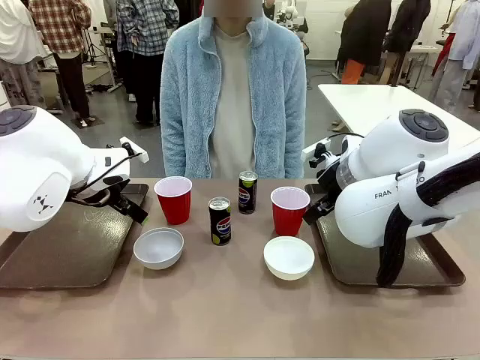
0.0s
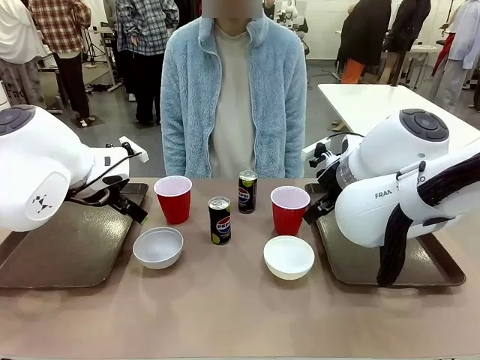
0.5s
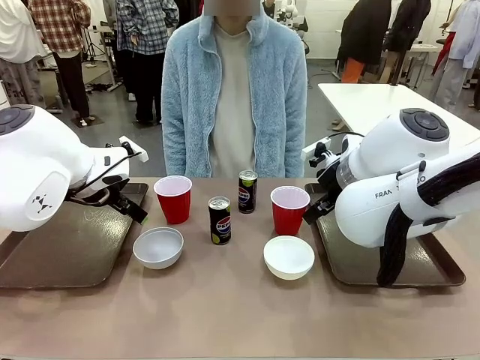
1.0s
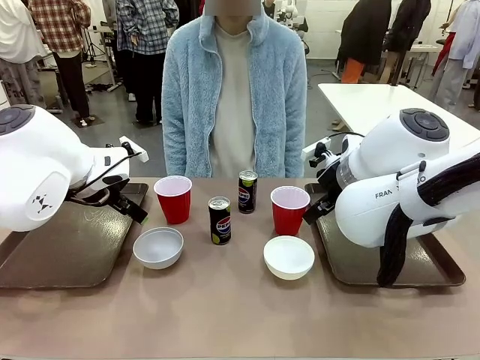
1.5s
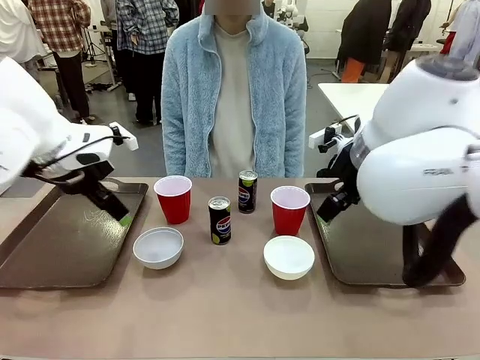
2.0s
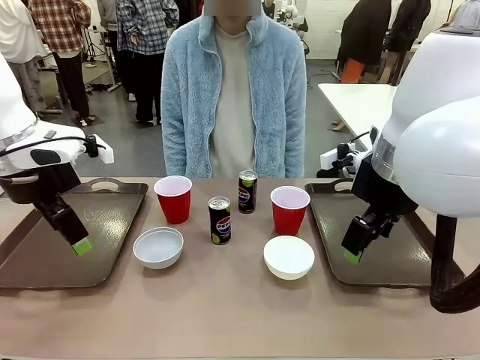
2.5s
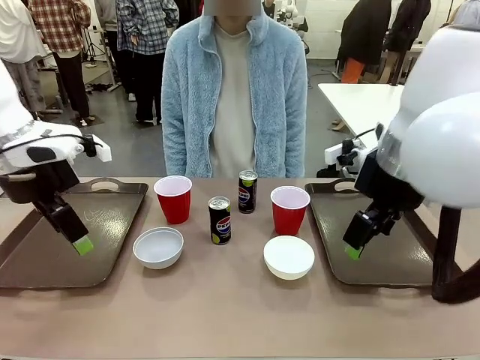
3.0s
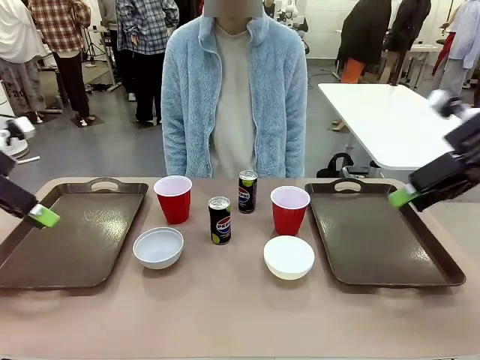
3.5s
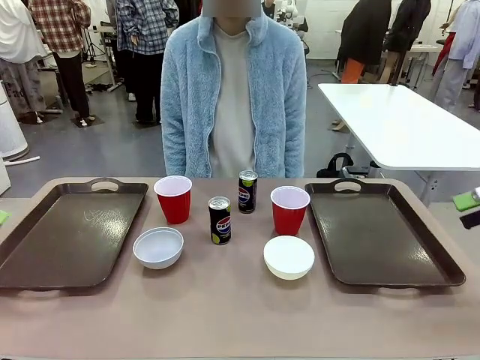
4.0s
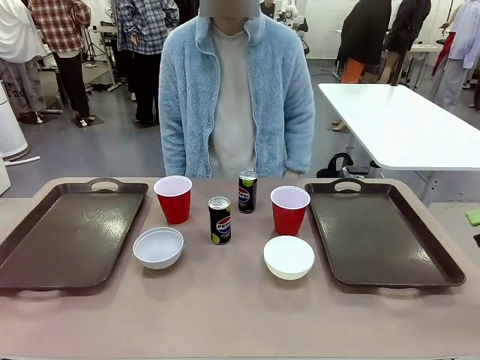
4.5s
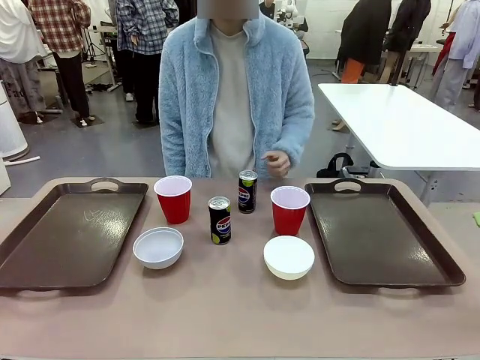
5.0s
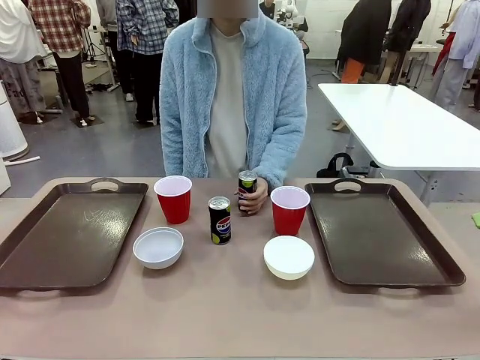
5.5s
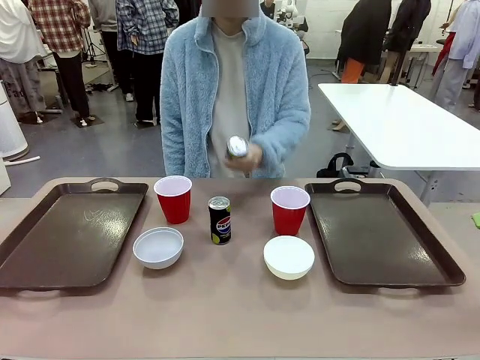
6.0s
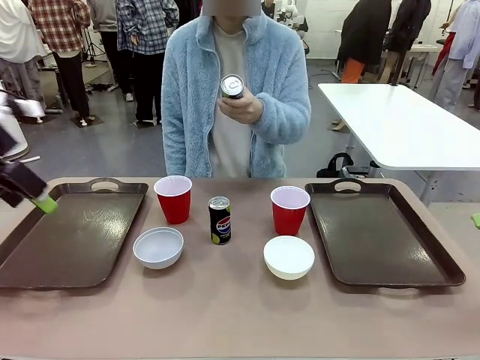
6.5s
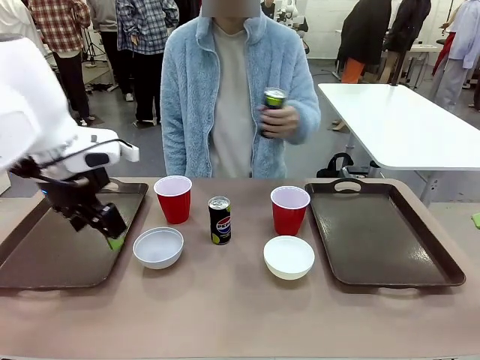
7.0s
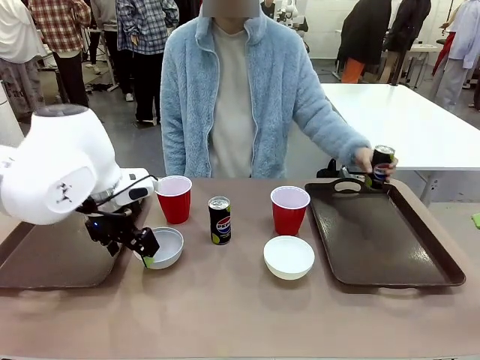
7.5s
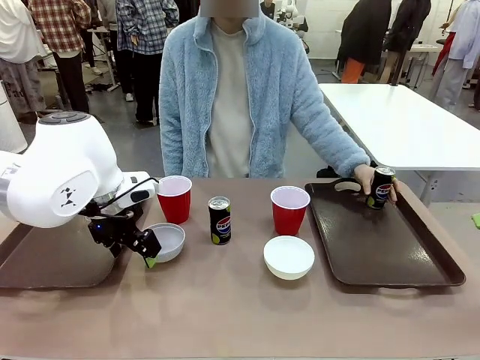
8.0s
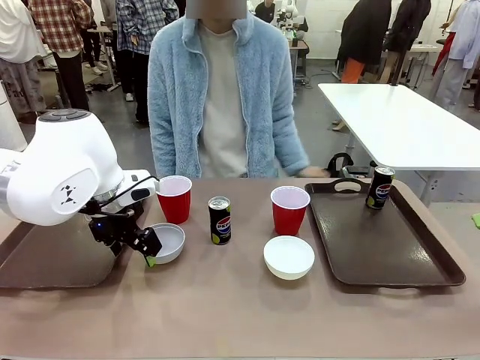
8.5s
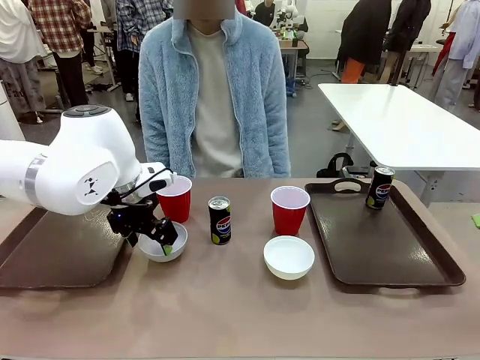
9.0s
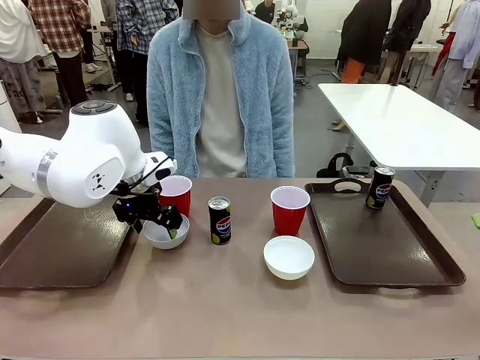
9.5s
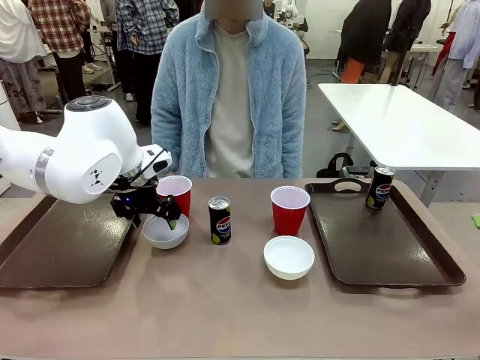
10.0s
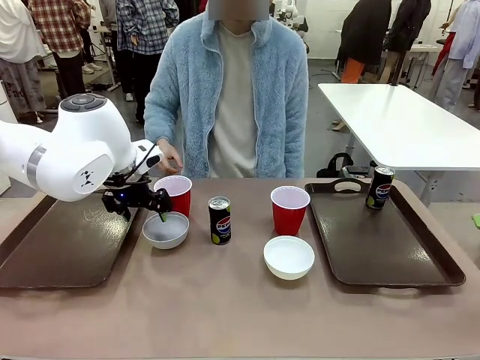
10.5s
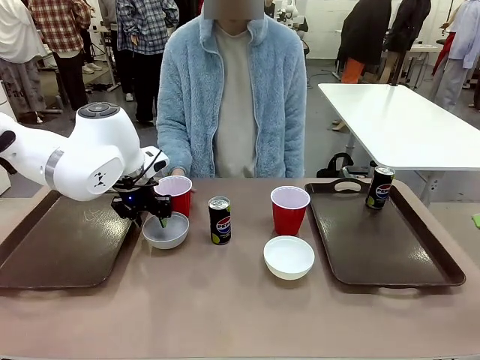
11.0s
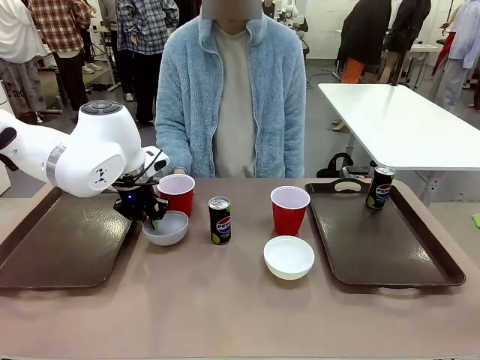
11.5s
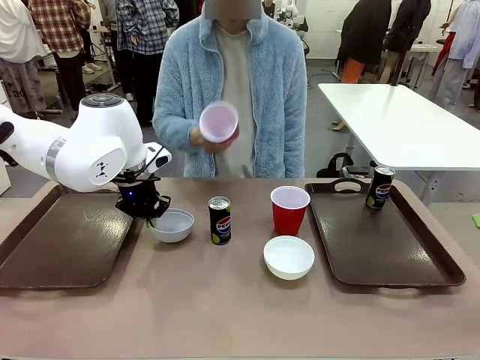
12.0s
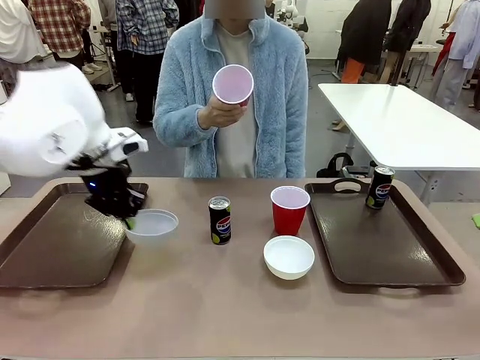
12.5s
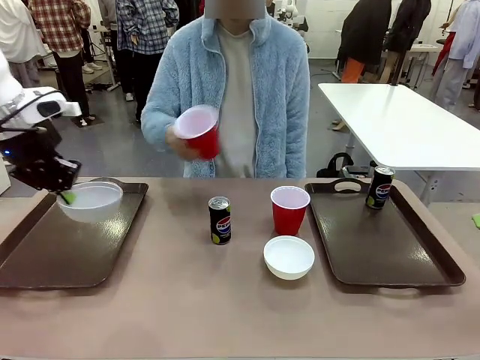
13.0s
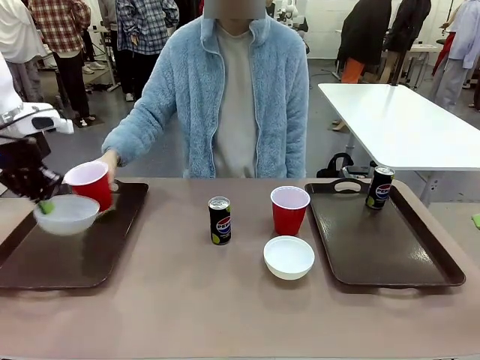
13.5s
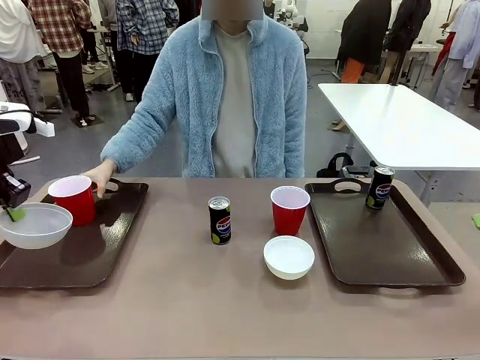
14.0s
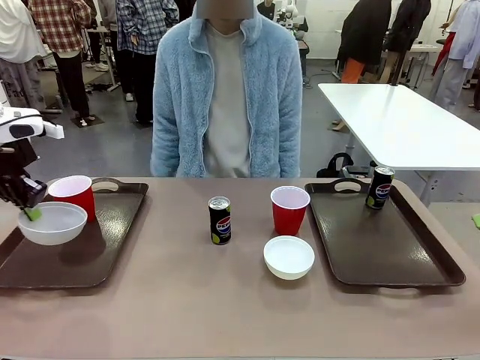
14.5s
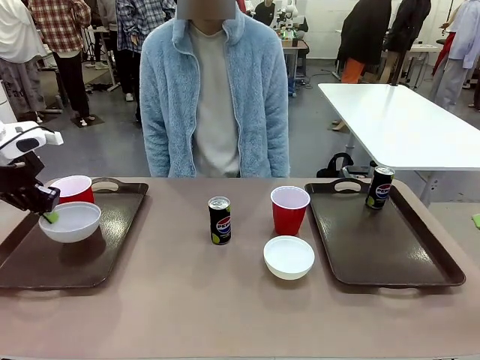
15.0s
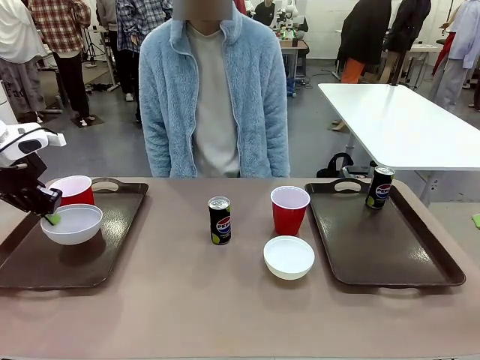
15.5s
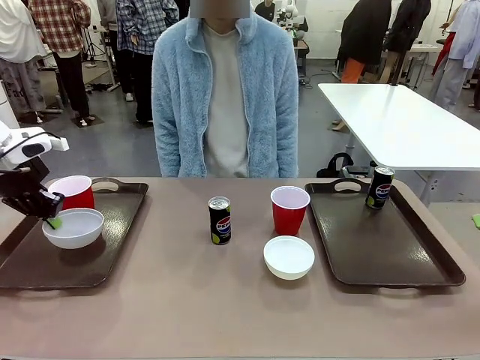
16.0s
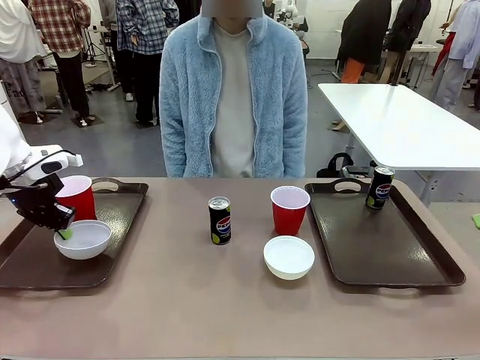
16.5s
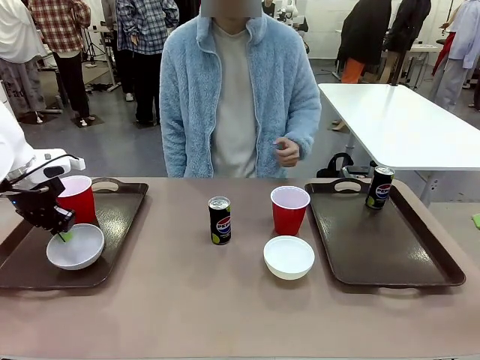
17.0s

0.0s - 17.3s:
Task: Prepare tableware on both trays.
Robot: Pick up a Picnic Bowl from the table and place it on a Handle tray.
Person: Pick up a can or cup and place it on the tray.

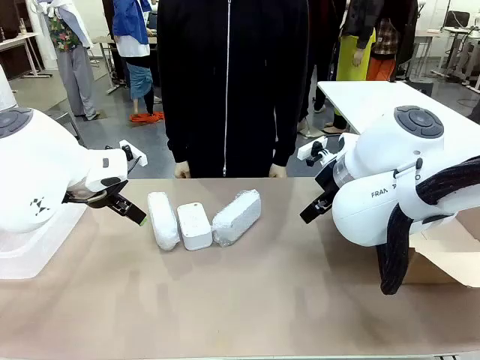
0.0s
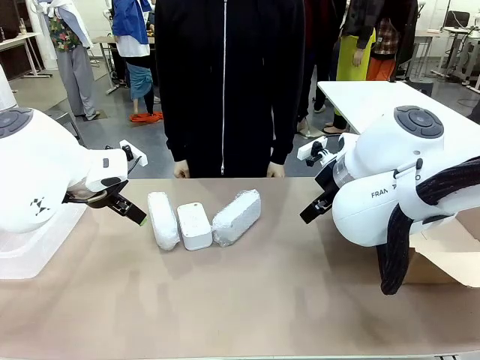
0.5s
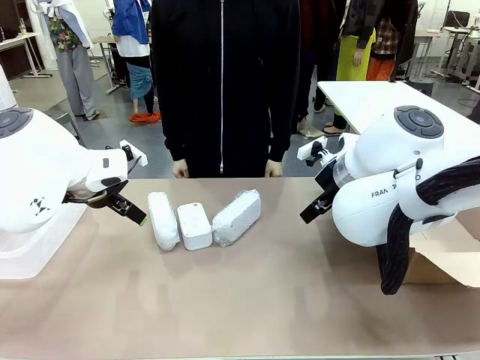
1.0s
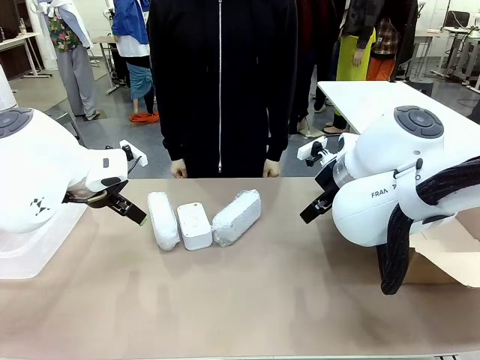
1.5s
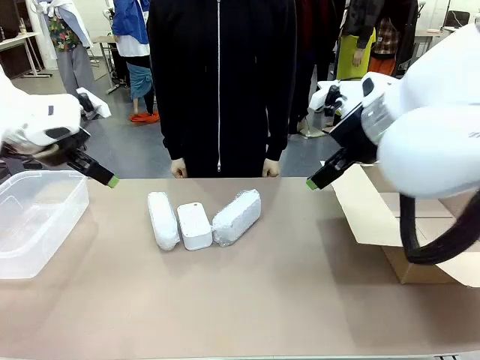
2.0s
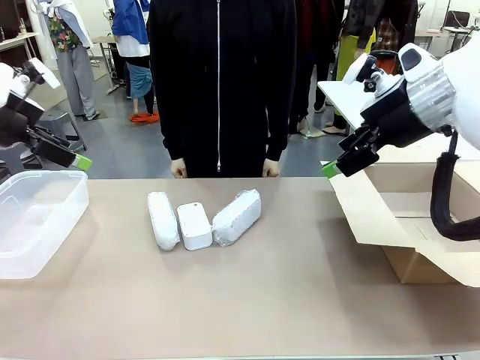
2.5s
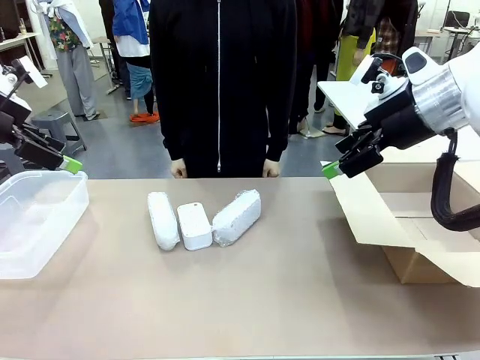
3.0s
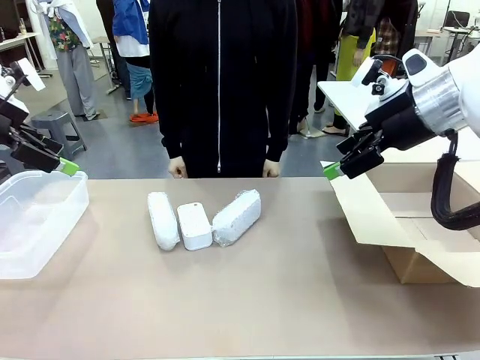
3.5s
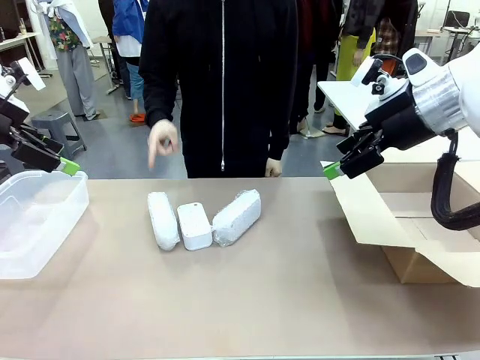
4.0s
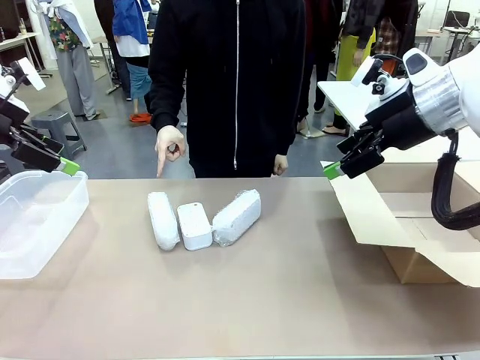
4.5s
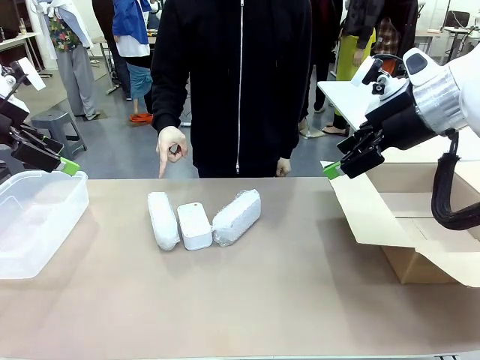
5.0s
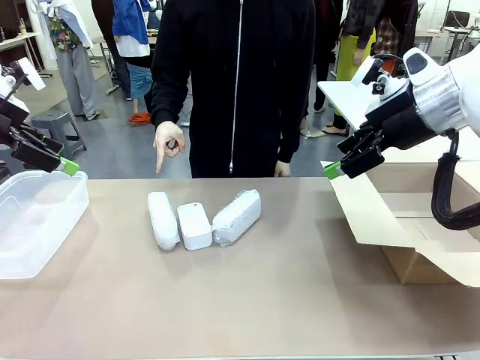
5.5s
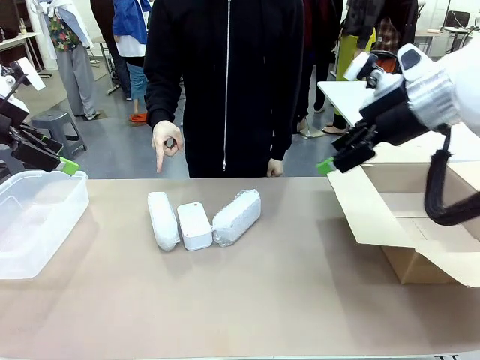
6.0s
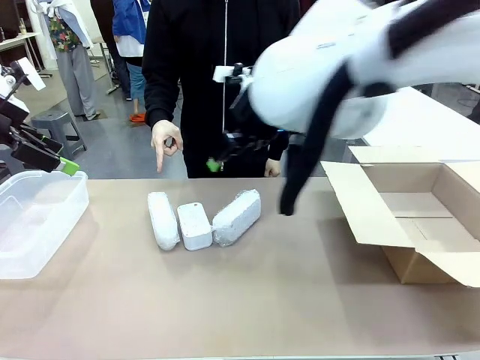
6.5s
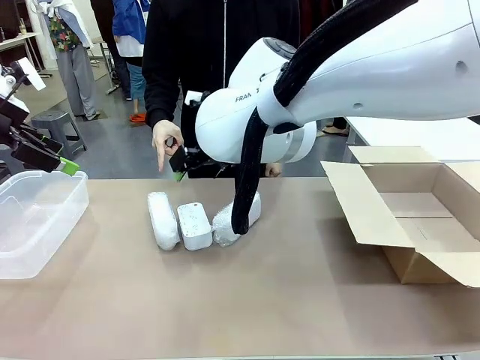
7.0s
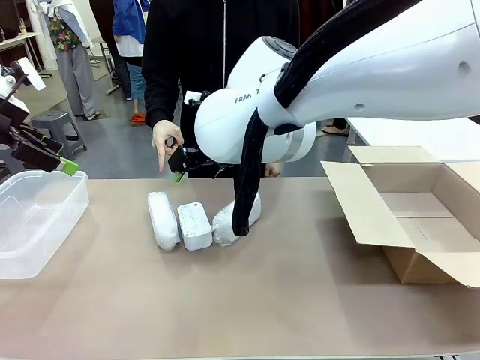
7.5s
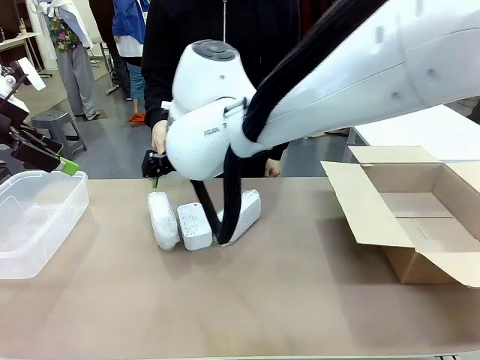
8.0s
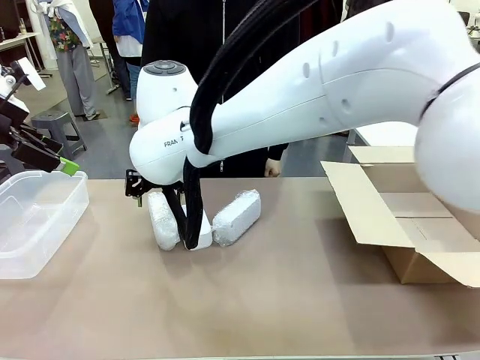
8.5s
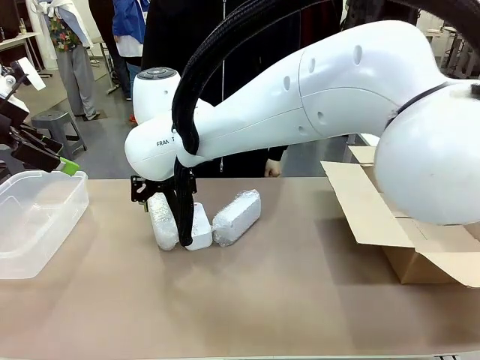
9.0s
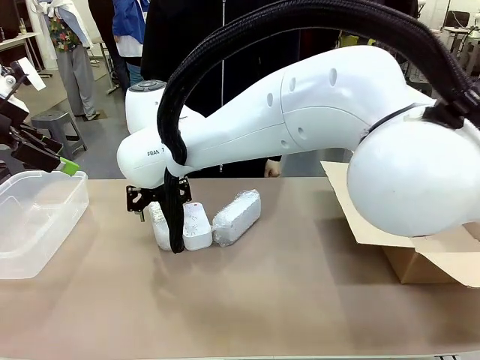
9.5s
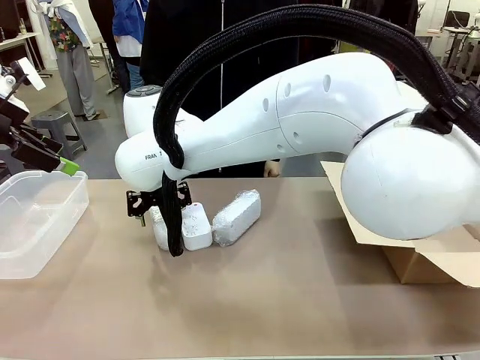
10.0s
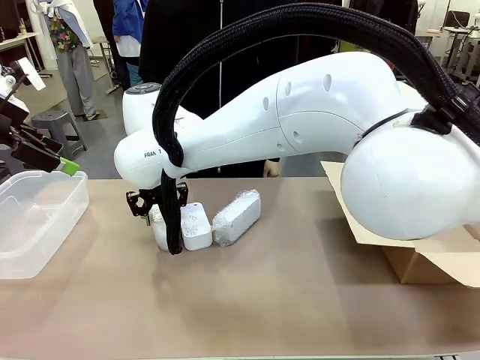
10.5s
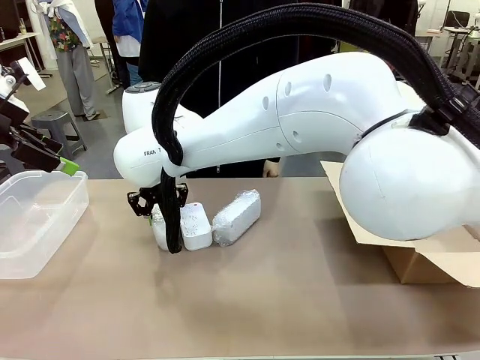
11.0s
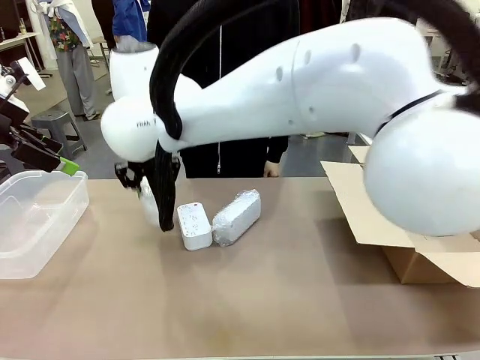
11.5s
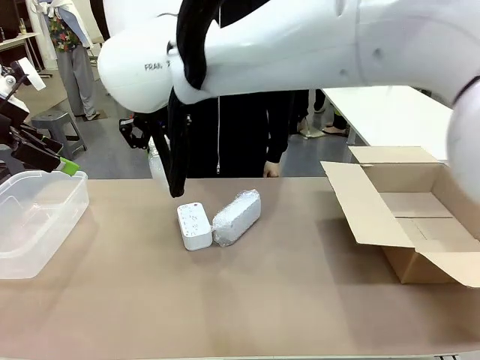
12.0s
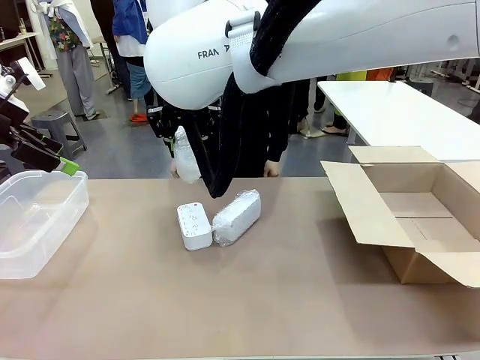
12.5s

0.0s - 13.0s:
Task: Separate and place wrapped and unwrapped clocks.
Robot: Pick up the Digital clock indicated by the person.
